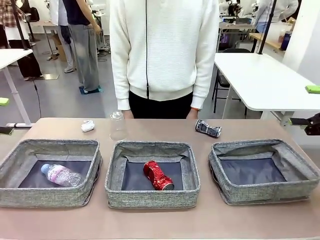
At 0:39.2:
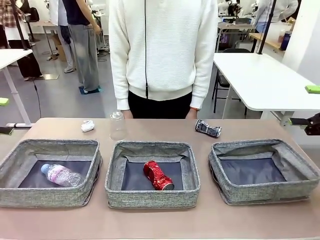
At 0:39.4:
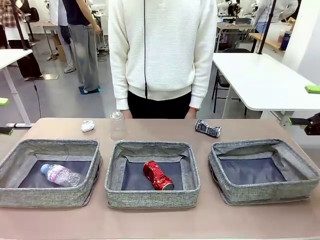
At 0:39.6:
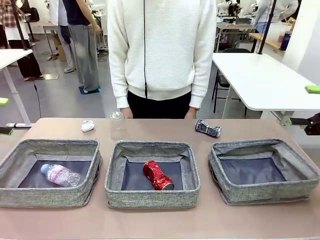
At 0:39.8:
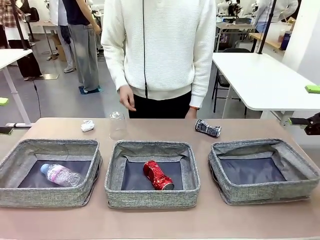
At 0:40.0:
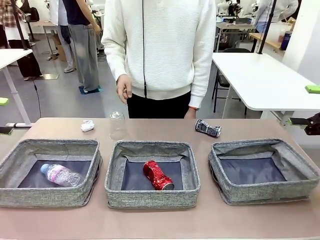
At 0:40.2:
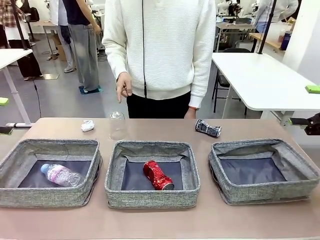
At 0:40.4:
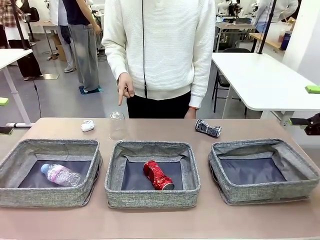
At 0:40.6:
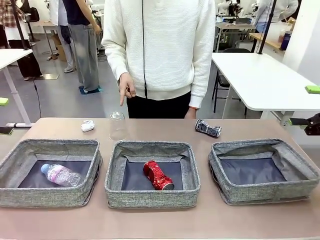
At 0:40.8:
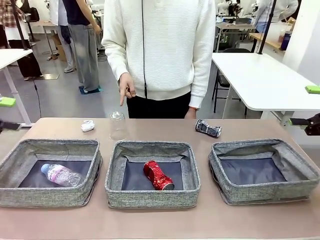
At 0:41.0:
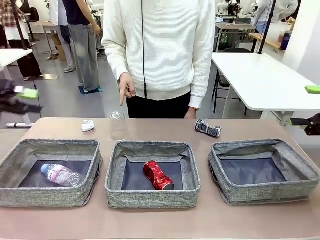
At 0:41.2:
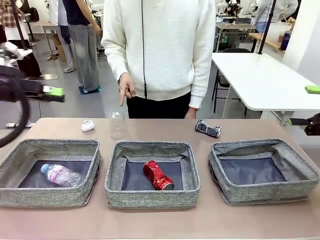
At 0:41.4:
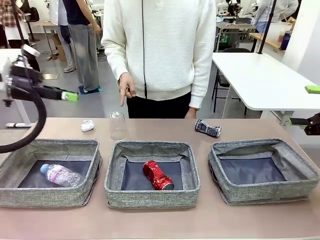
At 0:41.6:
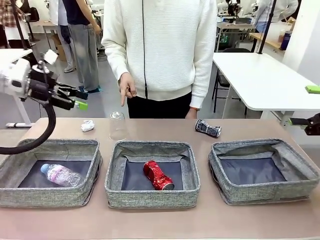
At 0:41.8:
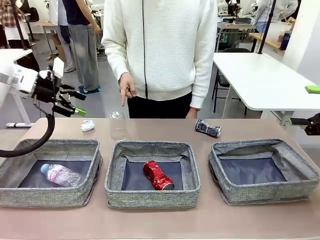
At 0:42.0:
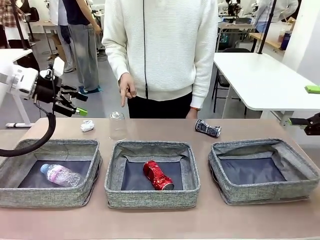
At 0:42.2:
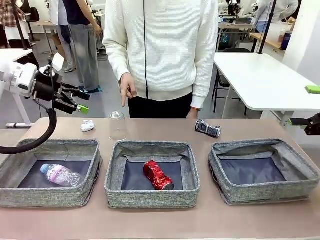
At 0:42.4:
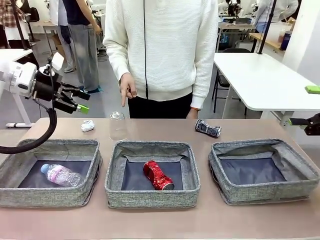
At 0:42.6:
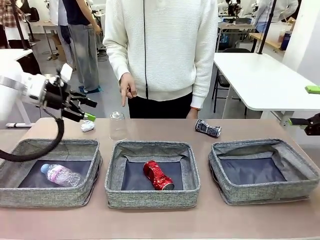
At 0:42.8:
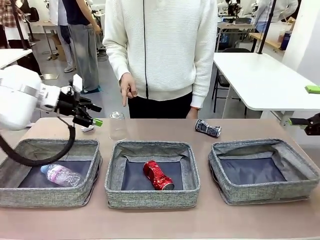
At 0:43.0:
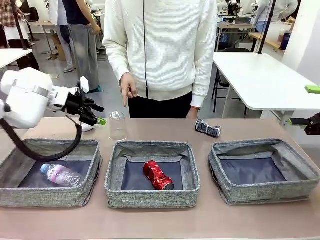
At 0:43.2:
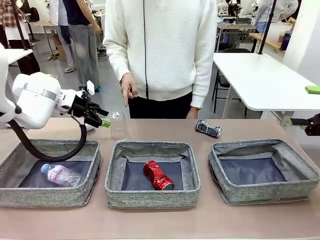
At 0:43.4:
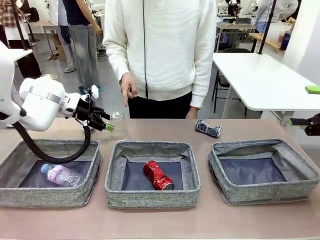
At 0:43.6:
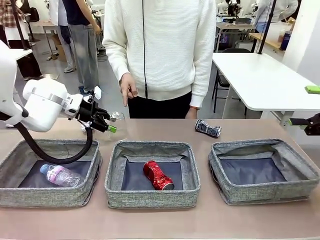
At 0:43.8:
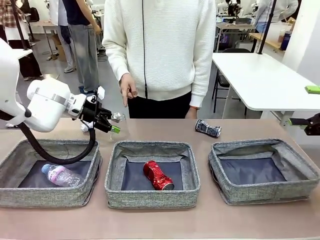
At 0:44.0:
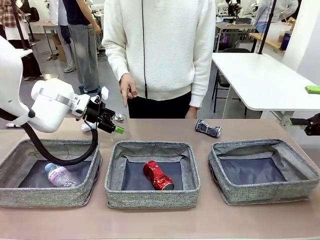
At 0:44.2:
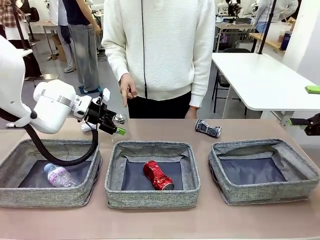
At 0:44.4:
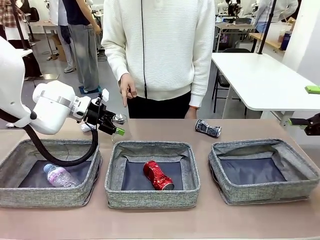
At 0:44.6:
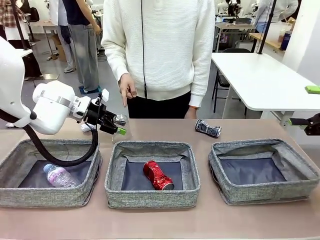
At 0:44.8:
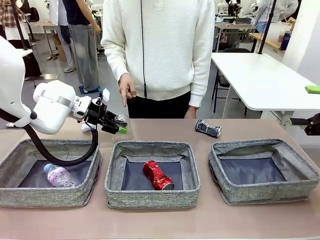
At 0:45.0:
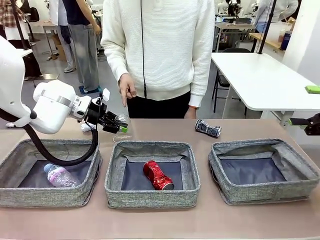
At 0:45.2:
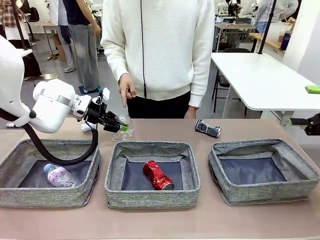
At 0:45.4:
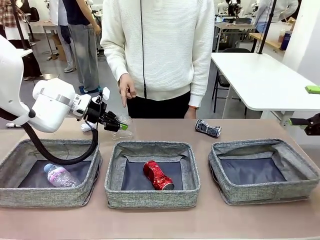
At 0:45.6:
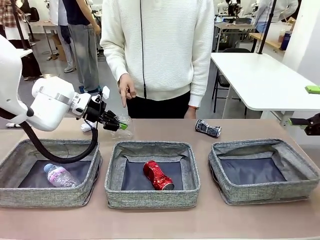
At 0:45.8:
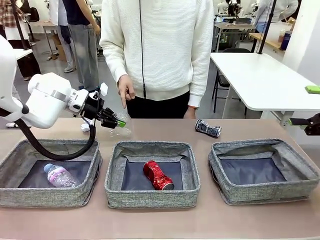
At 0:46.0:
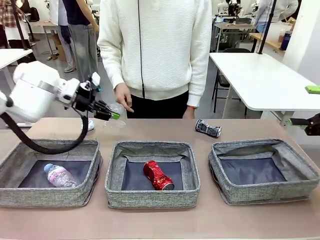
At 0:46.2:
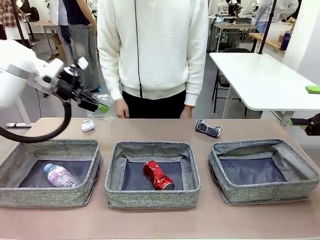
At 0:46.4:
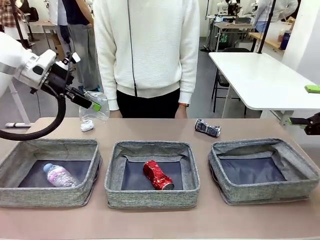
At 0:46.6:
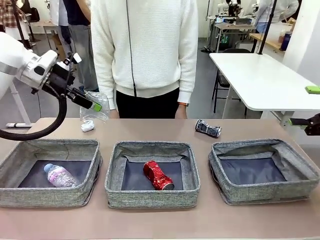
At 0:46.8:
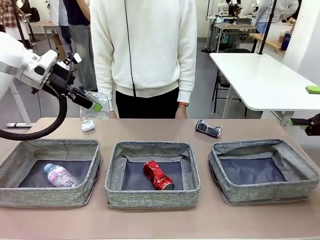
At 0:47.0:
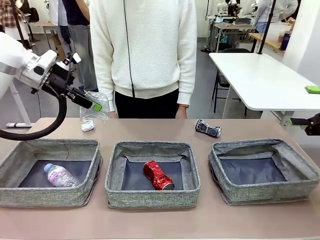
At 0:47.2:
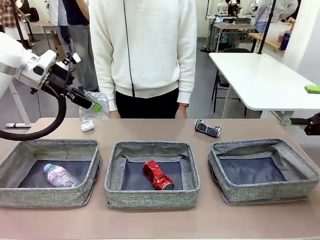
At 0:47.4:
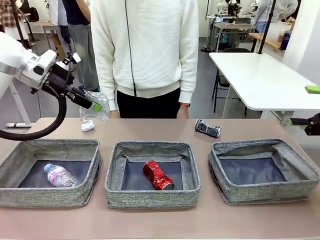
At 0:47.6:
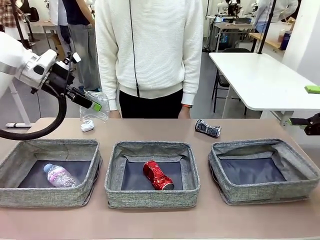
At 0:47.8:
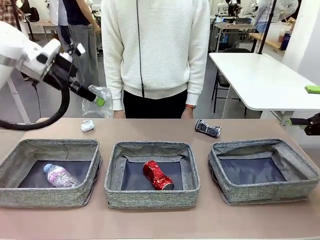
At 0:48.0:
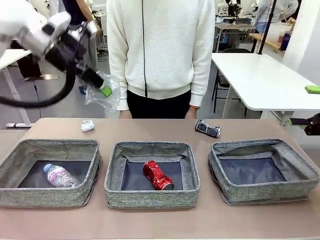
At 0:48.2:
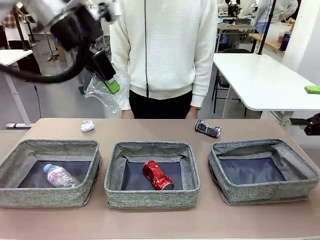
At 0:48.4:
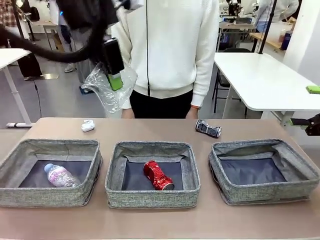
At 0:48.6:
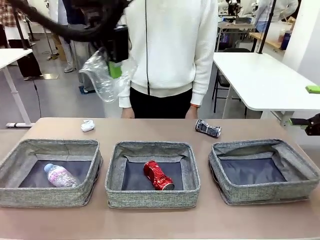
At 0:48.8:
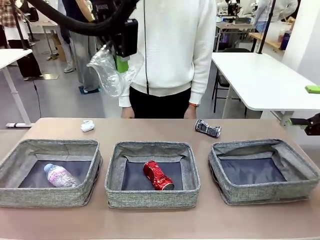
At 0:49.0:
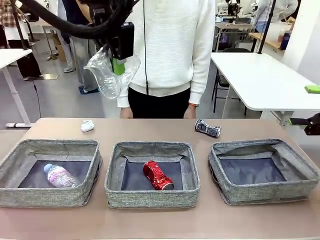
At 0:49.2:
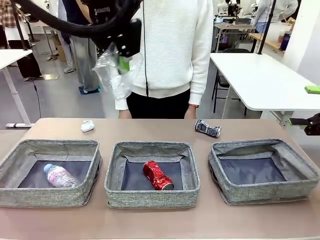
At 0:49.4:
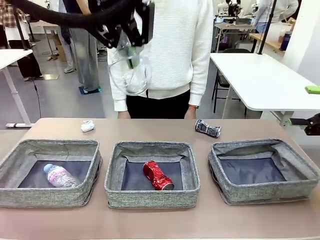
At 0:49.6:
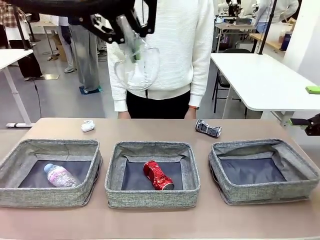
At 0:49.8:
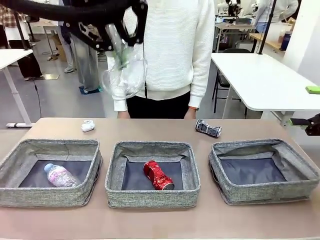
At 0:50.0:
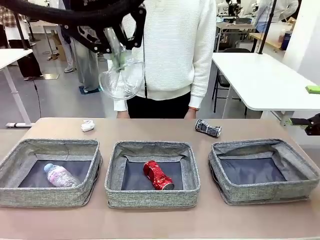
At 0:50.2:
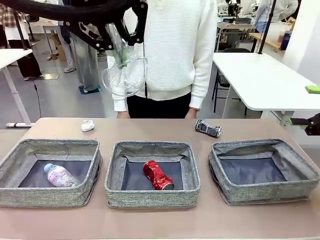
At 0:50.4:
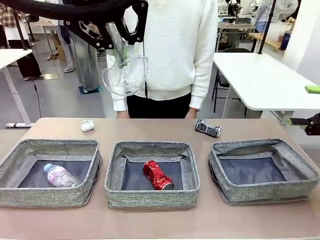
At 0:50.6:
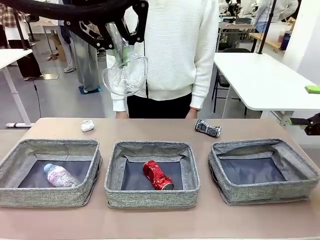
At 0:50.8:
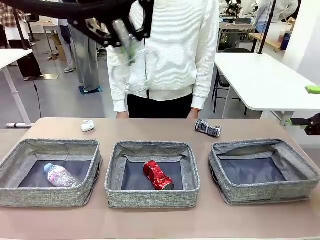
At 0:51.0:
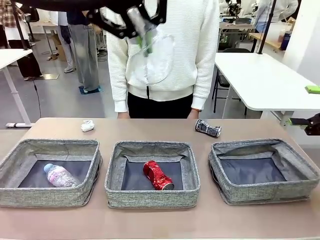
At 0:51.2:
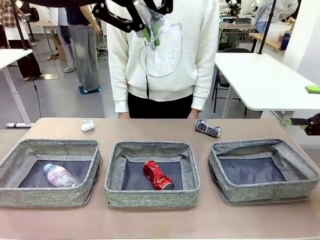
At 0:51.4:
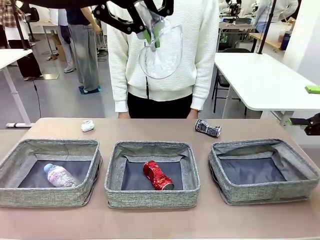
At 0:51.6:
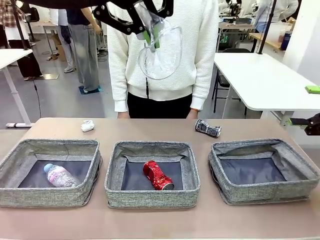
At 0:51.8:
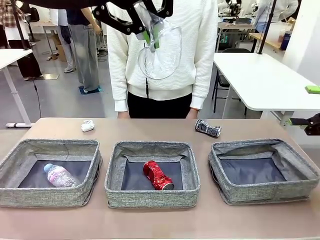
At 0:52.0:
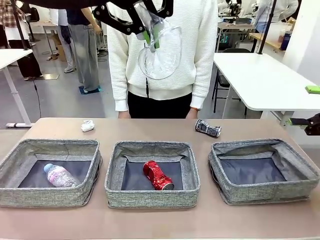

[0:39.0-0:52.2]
Task: Sort the waste into the appropriate baskets.
Robot: Pick up the waste item pointed out by the person.
Person: Points to one piece of trash on the table.

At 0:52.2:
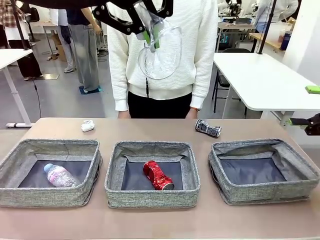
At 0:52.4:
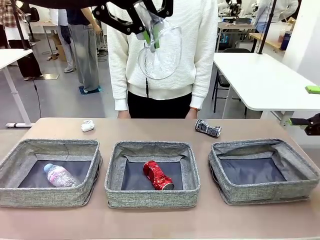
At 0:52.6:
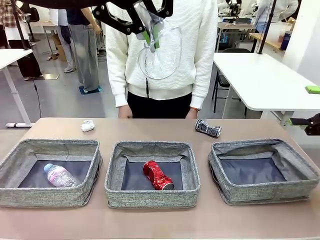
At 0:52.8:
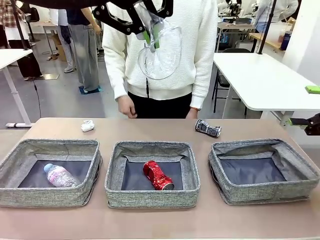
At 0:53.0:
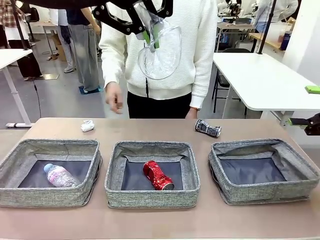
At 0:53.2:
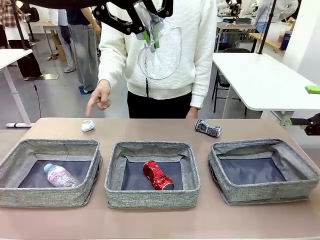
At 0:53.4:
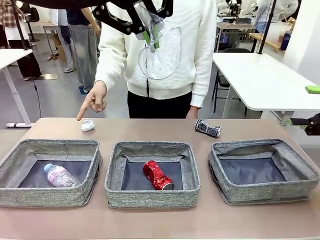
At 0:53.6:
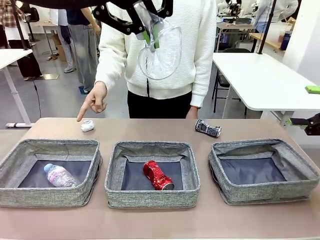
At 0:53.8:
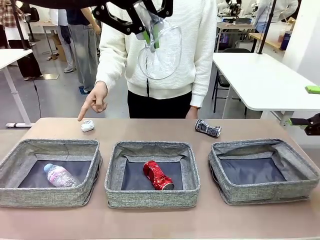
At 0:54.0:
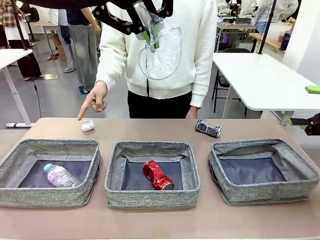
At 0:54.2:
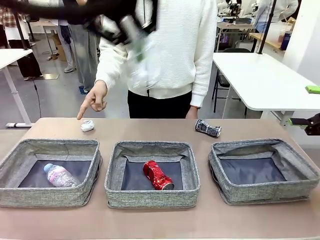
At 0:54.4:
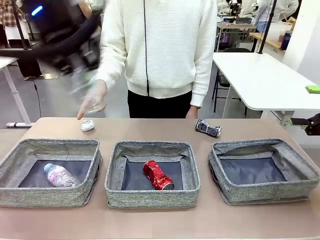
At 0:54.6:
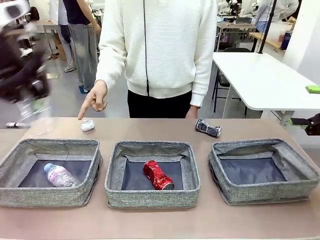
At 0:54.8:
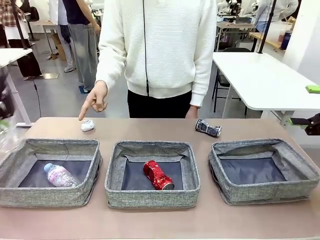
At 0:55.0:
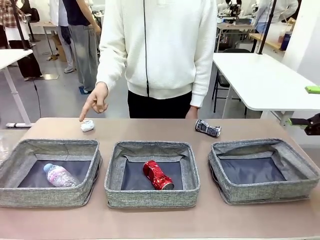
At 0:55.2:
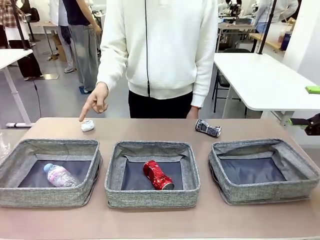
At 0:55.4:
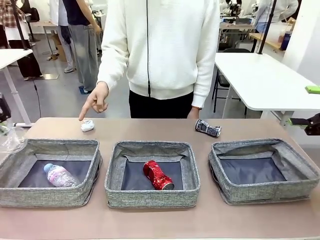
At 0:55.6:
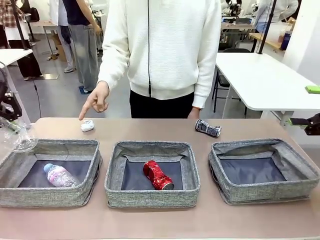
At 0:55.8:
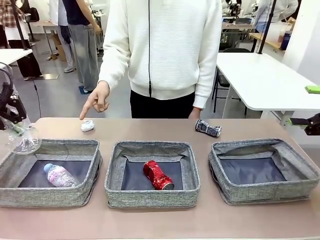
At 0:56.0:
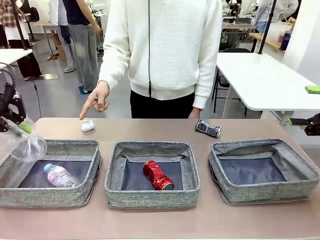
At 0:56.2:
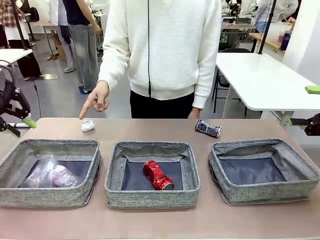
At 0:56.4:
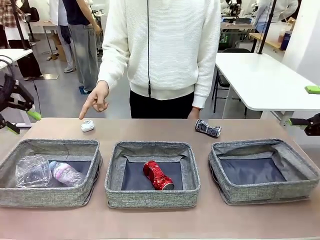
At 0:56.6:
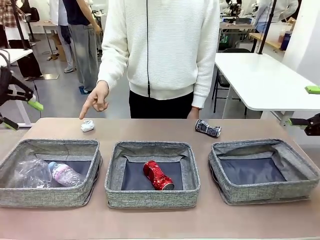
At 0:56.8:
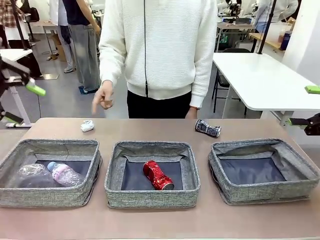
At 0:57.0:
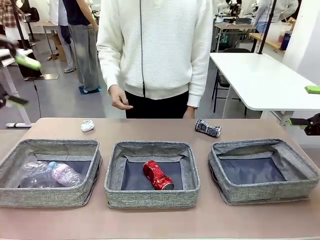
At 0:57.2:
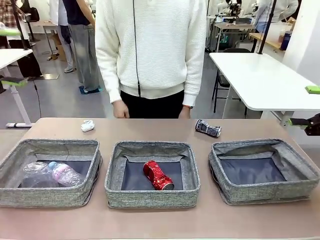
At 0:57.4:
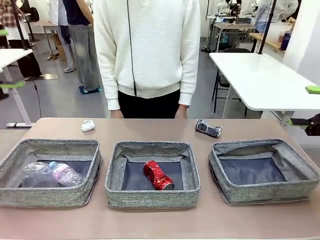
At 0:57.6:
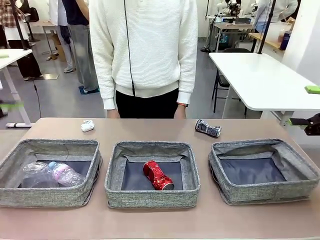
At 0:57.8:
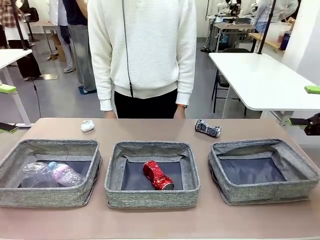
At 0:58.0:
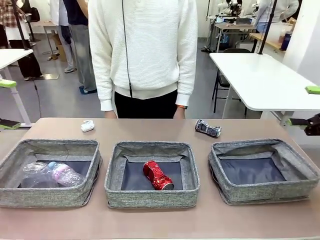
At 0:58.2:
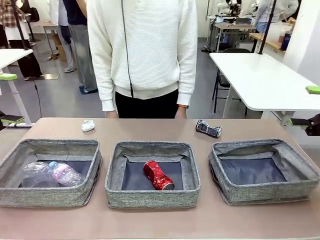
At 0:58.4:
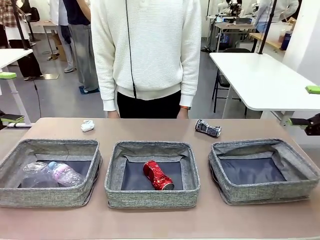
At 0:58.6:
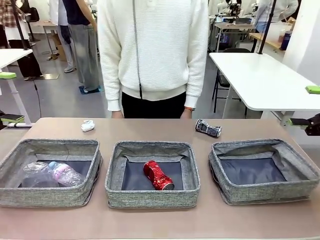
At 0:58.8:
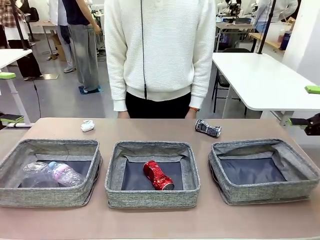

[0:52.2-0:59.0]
Robot: Place the picked waste into the Fabric basket indicated by the person.
Person: Instructs the robot to place the picked-up trash into the appropriate organizing basket.
